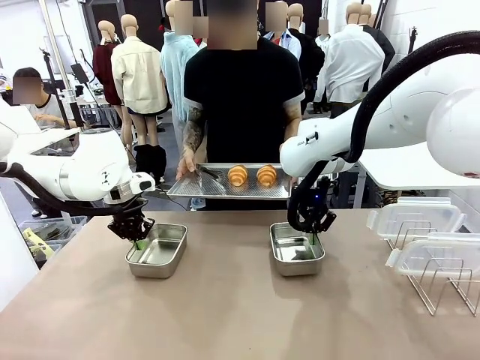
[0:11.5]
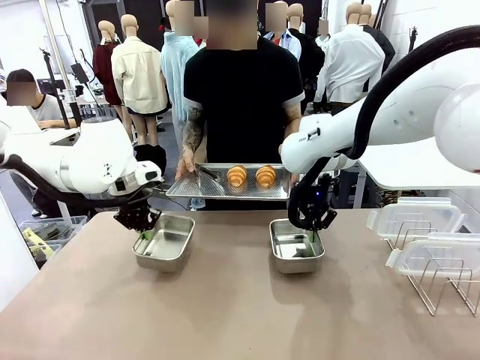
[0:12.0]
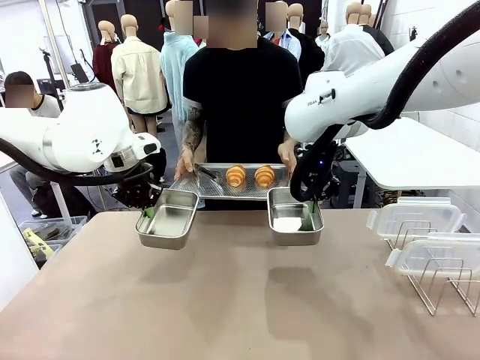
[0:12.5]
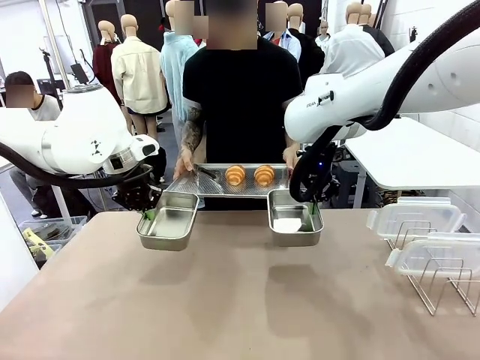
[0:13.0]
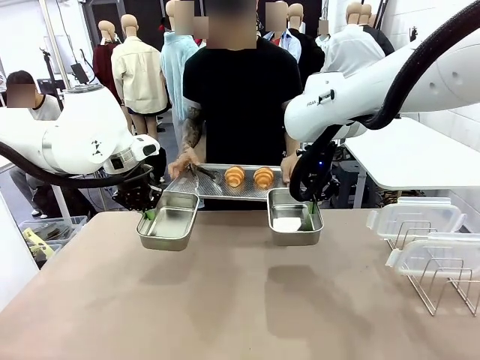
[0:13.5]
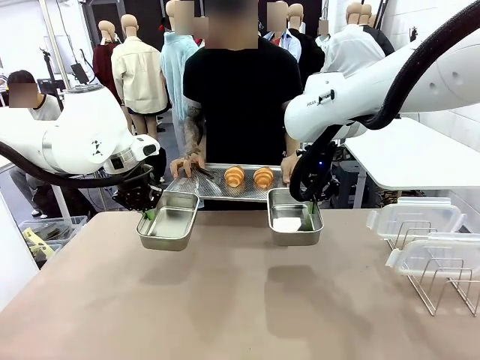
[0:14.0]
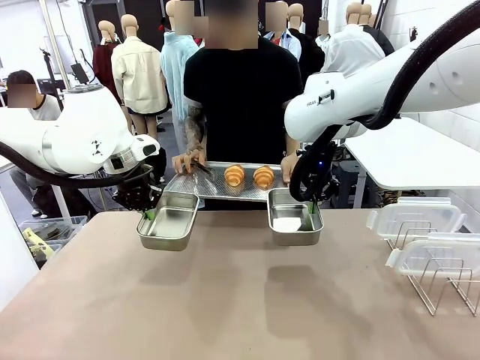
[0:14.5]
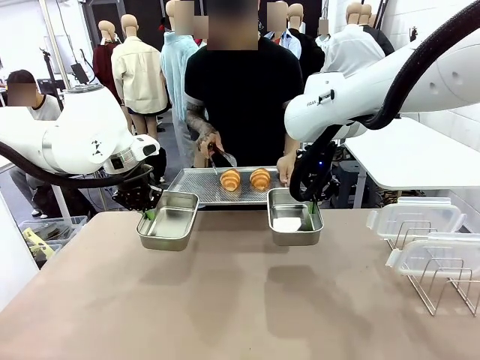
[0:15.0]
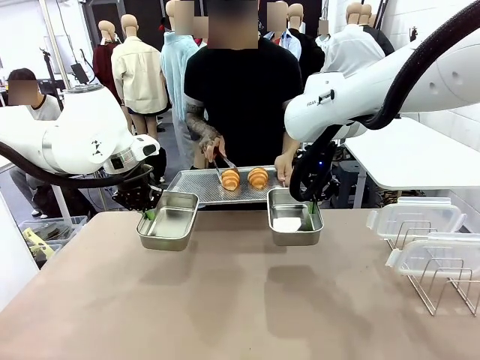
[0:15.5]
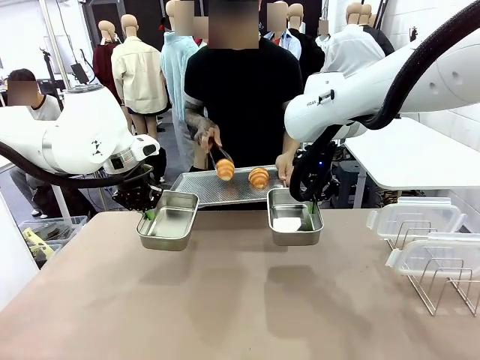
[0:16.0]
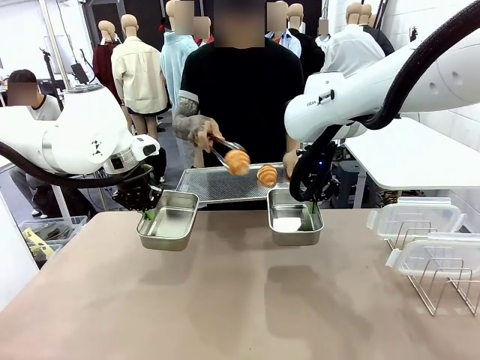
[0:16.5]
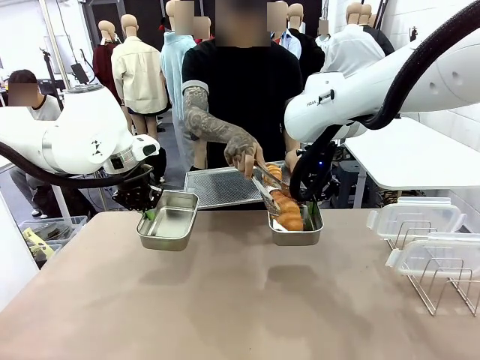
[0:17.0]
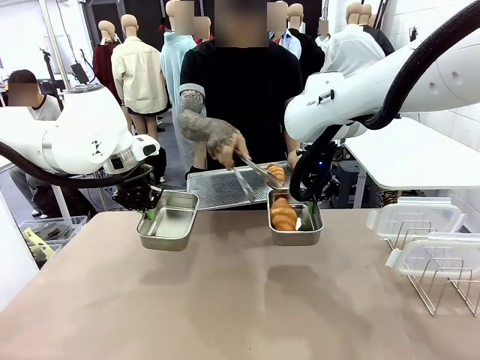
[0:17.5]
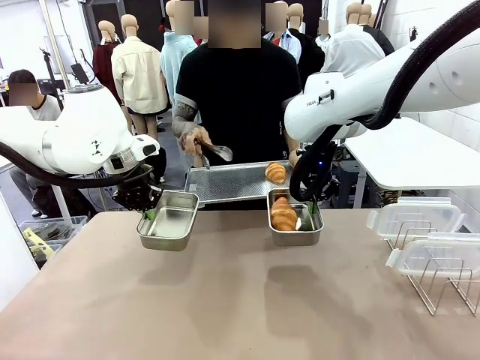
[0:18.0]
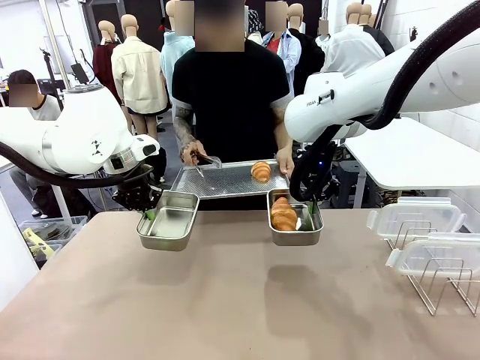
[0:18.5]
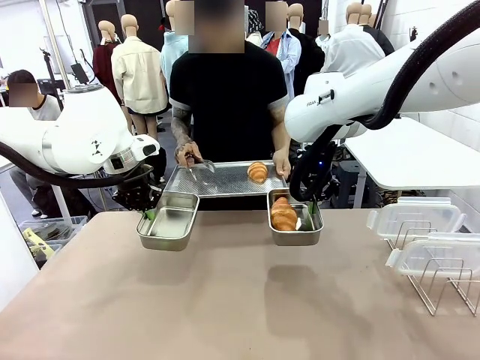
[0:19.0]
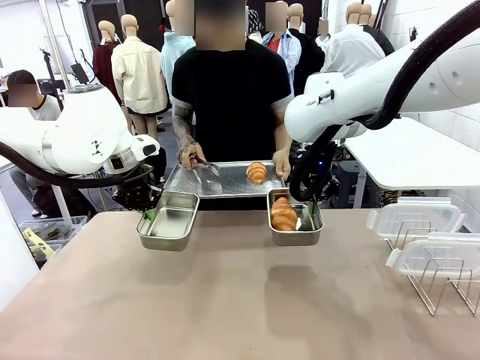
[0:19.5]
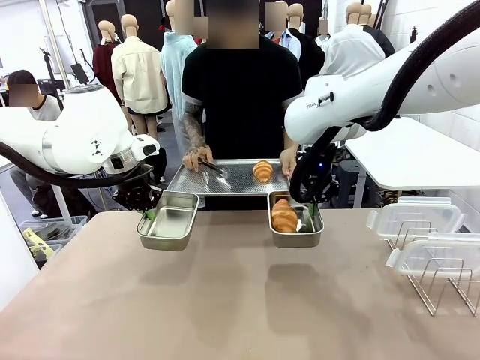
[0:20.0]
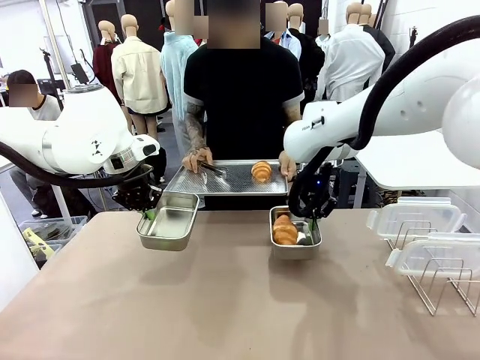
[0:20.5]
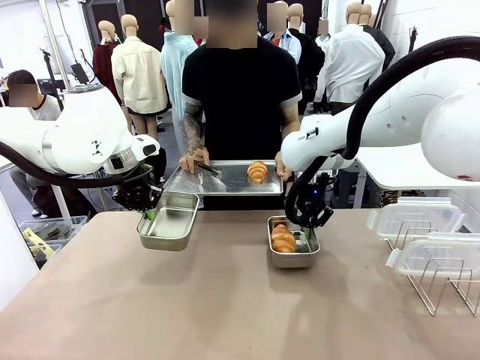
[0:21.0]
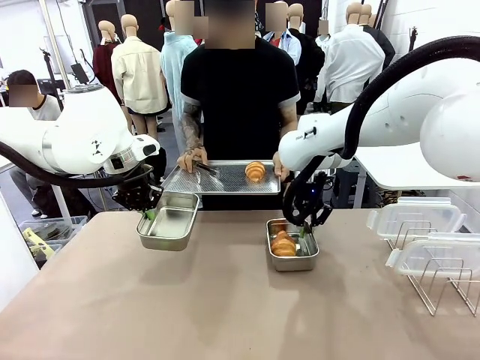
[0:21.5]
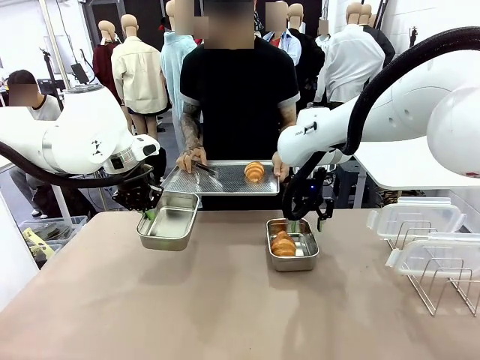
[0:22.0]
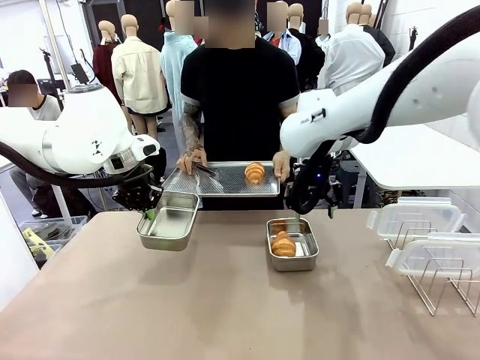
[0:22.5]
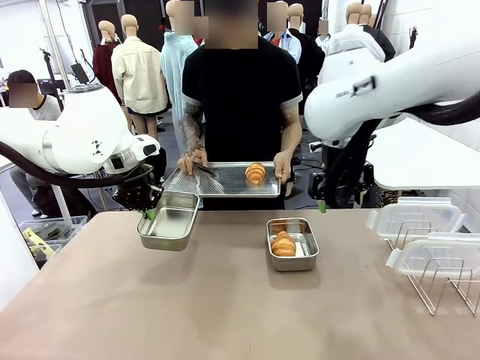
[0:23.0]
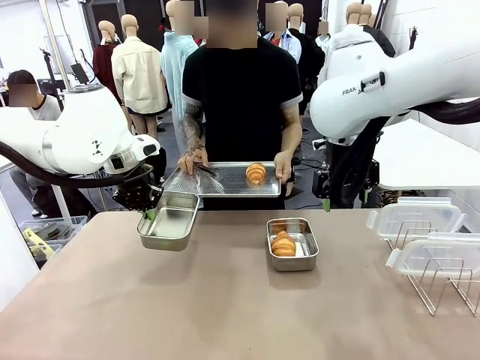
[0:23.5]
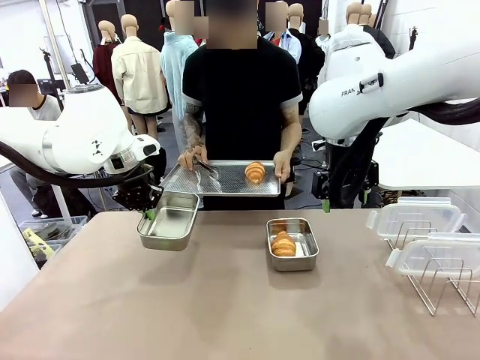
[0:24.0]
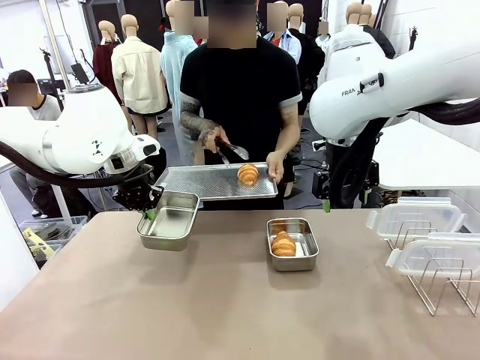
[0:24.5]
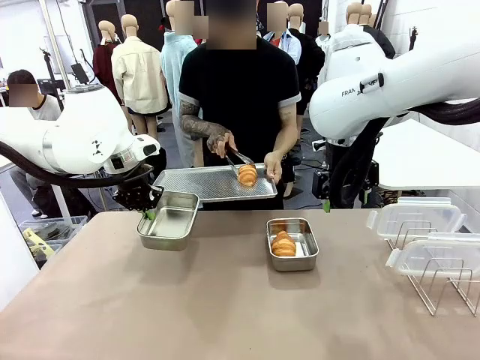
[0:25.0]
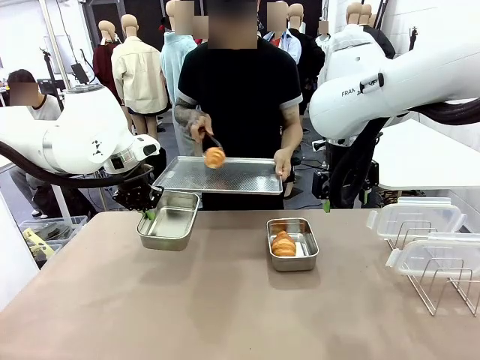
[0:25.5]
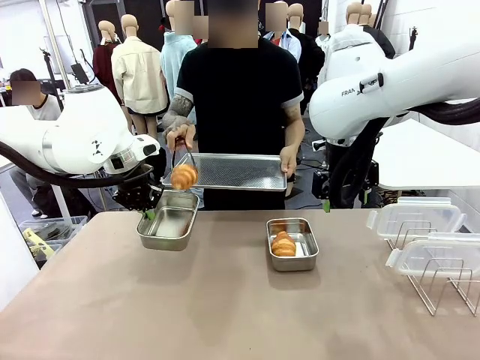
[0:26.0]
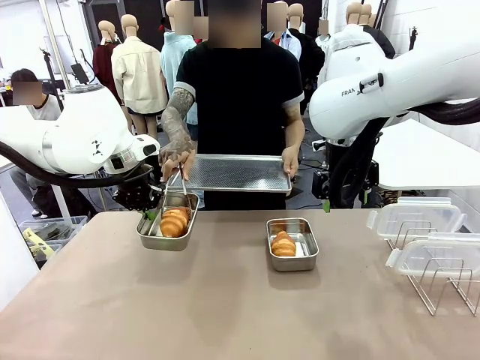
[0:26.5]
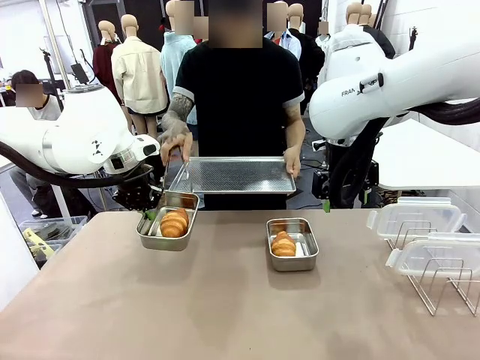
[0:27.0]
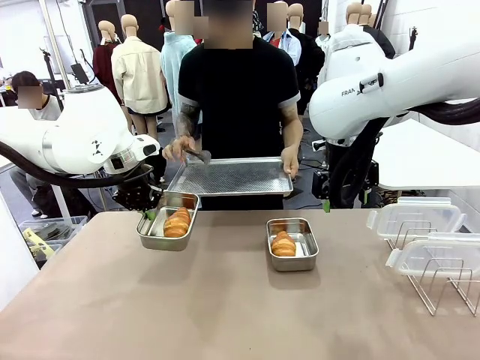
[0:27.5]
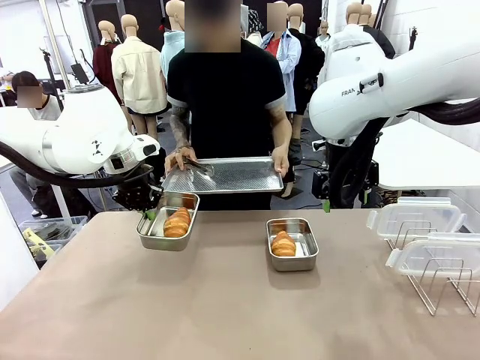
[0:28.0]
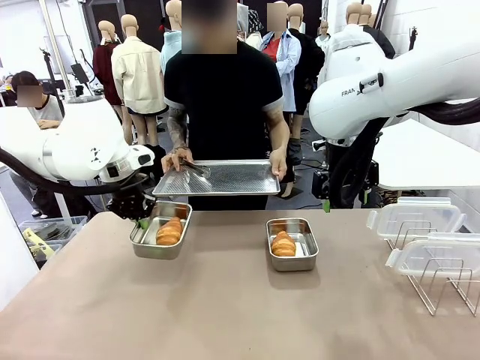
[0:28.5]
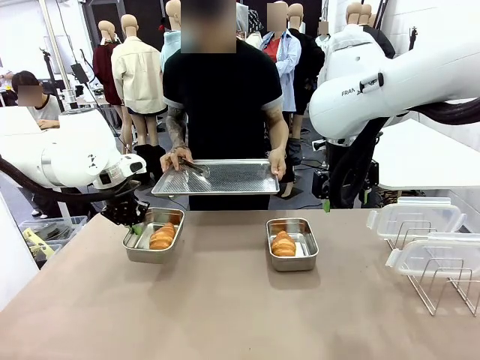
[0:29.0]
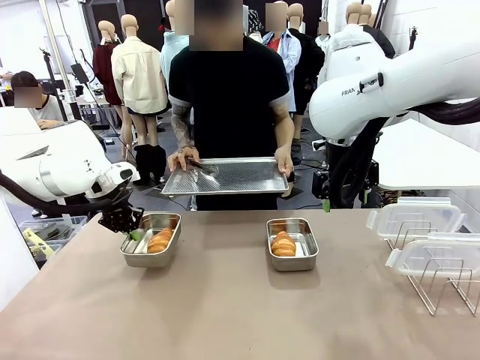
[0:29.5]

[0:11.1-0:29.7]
Task: Place the bread in airtight containers.
Robot: Once an object is inside an Airtight Container , place the container in the center of the table.
Person: Use the Stainless steel tongs to place one object from Baking Sheet into one Airtight Container.

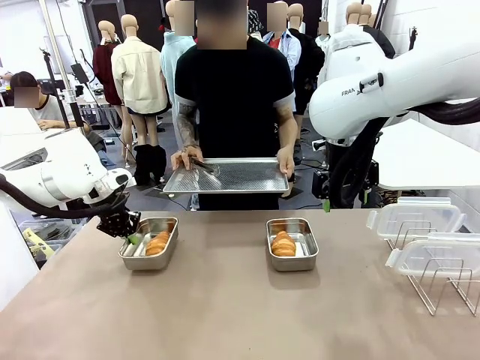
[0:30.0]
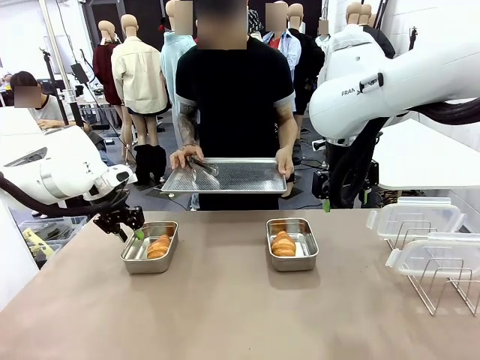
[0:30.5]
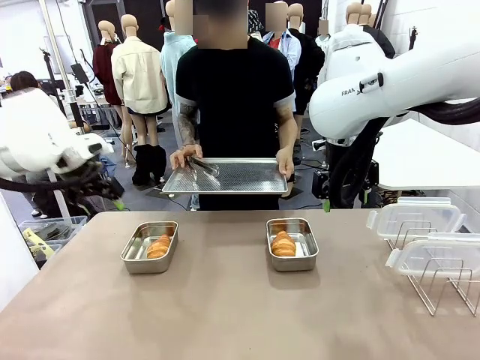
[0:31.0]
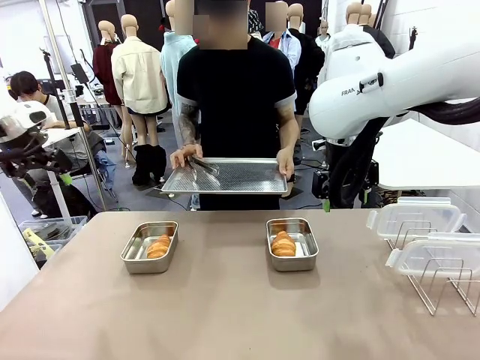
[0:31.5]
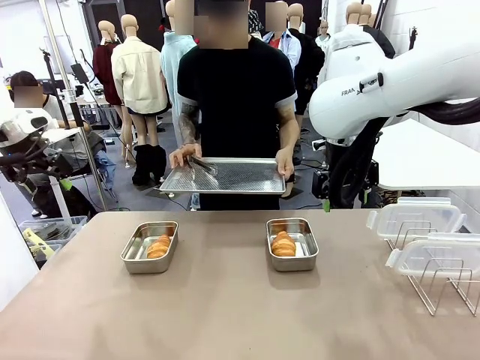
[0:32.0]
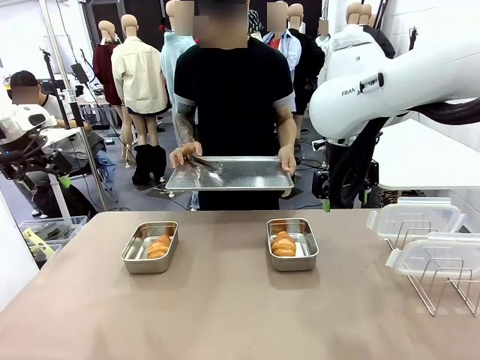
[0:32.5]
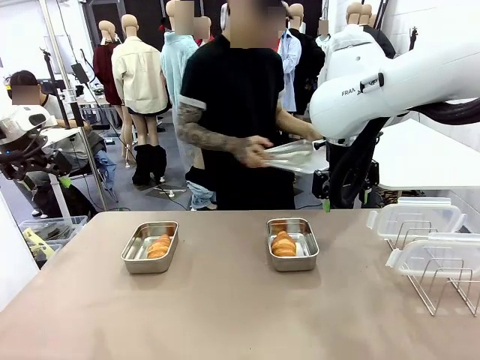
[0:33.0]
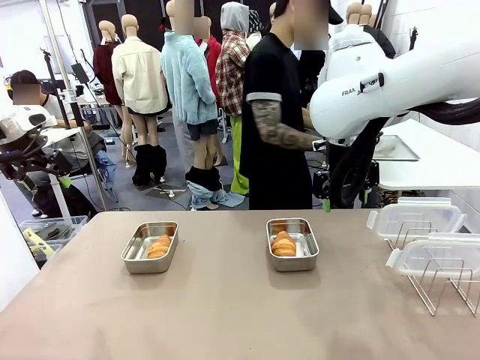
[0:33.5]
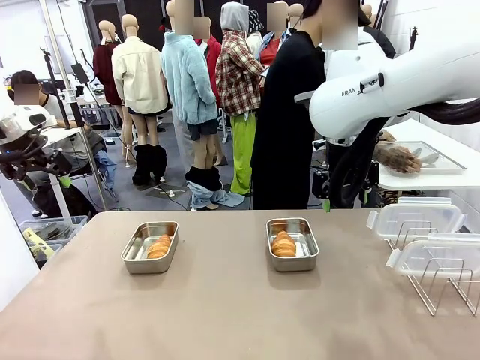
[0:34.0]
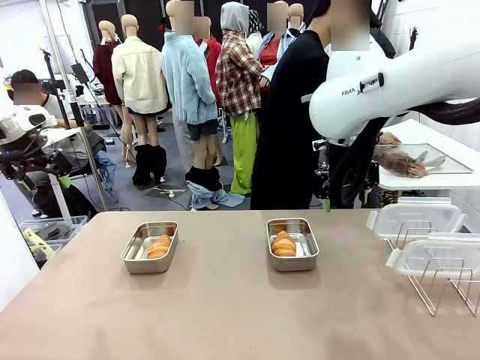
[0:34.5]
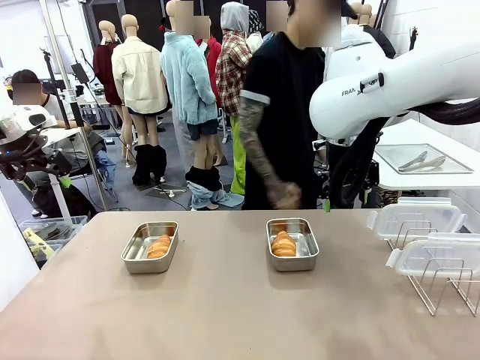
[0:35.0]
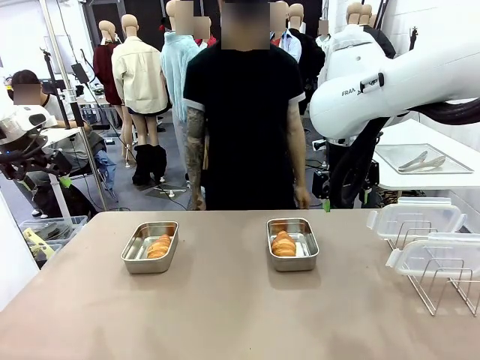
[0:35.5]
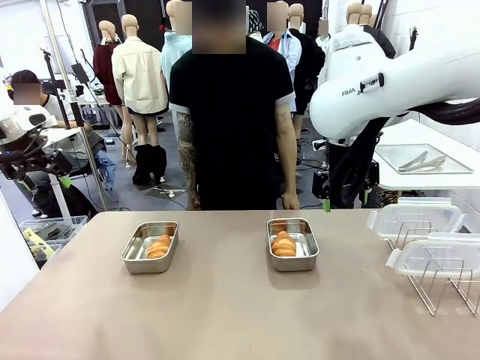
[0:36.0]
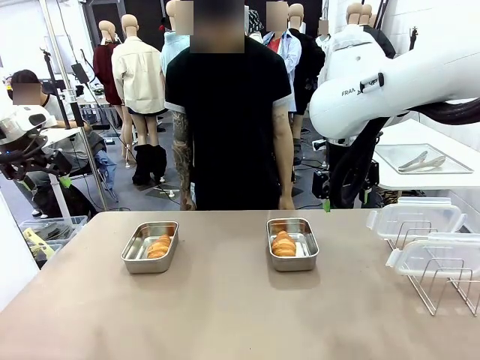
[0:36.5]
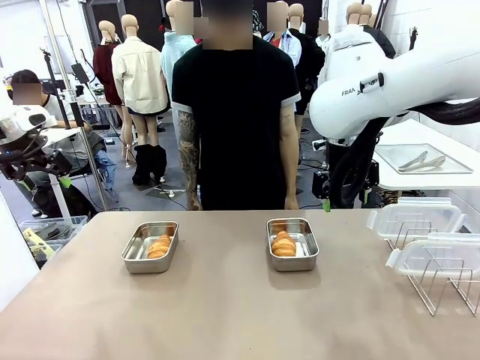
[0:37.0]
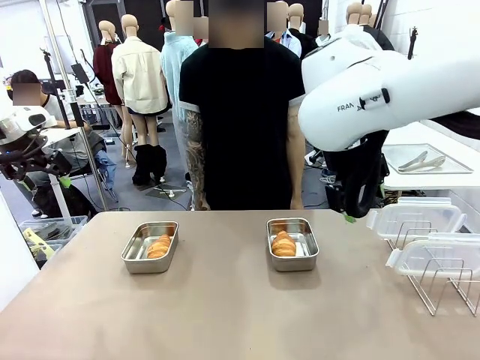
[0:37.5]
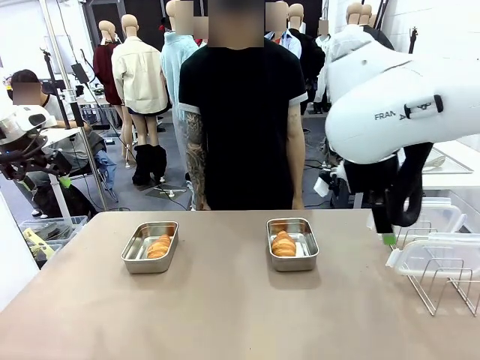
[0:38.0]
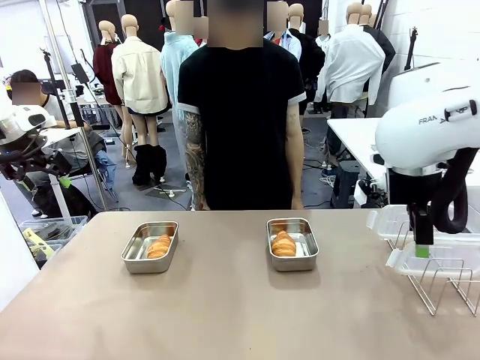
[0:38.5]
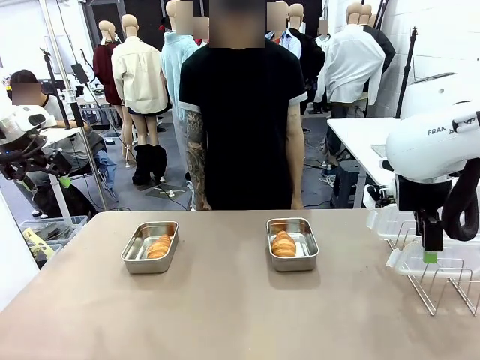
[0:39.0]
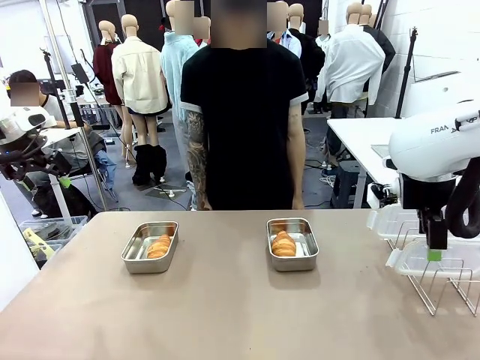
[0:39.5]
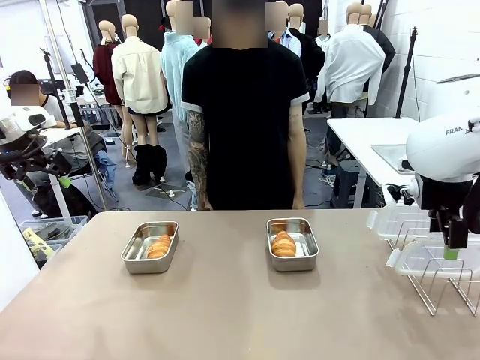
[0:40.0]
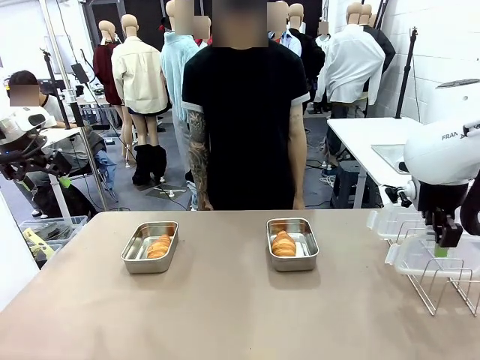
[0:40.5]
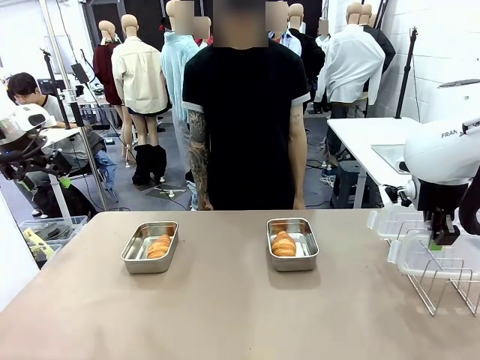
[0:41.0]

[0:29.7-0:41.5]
Robot: Pick up one Airtight Container lid and hand it to the human.
Person: Place Baking Sheet on the Human's Table.
